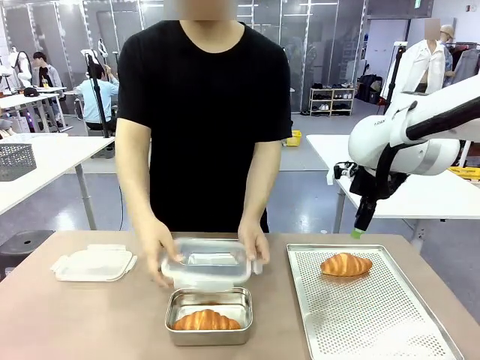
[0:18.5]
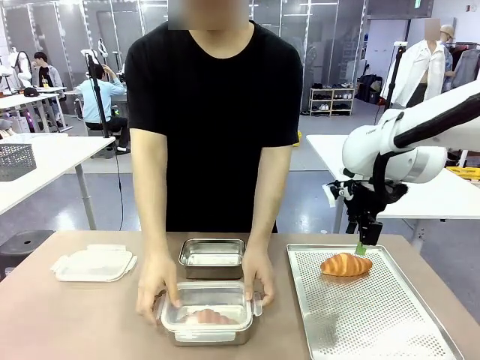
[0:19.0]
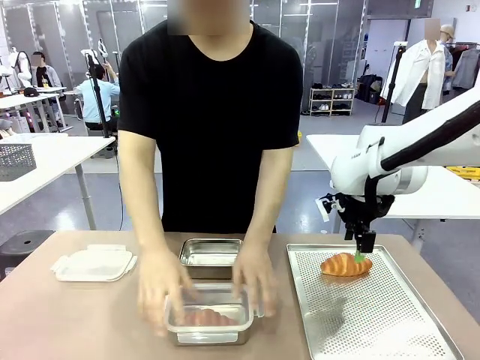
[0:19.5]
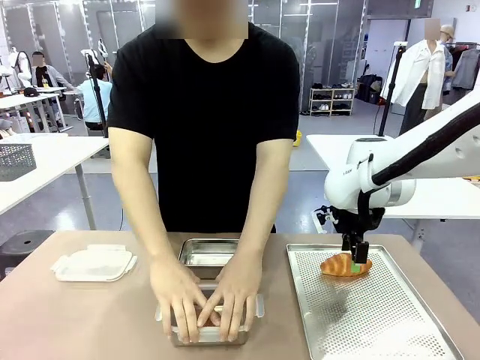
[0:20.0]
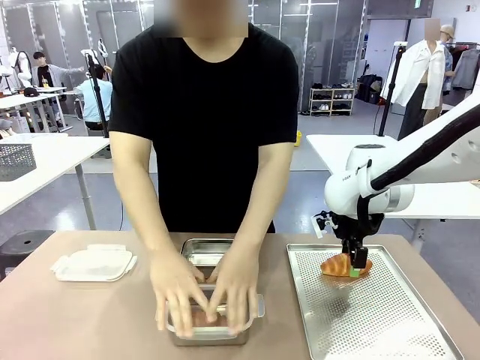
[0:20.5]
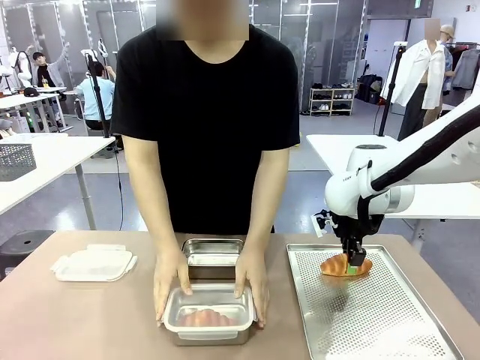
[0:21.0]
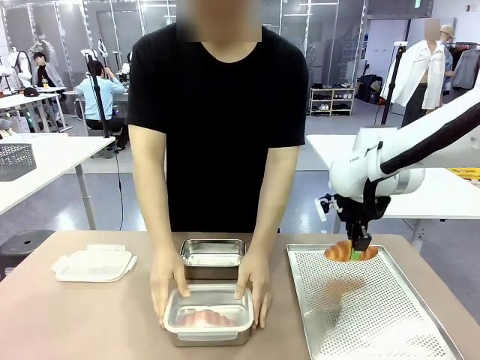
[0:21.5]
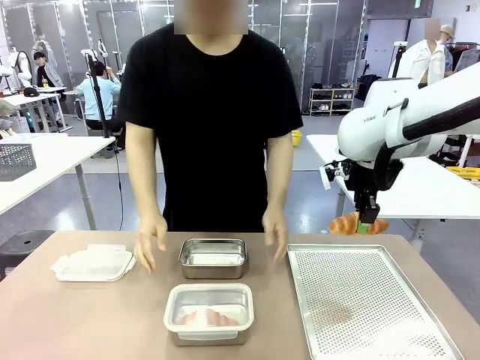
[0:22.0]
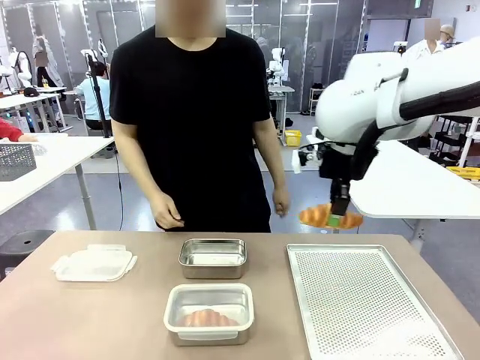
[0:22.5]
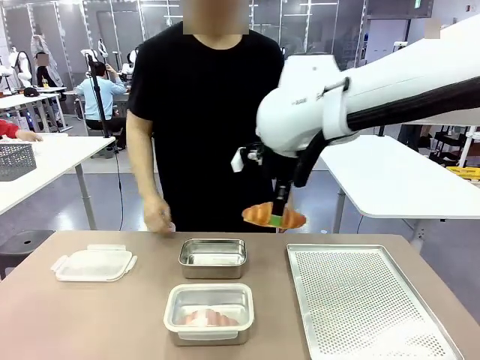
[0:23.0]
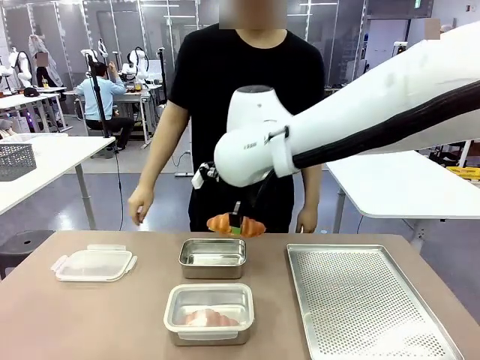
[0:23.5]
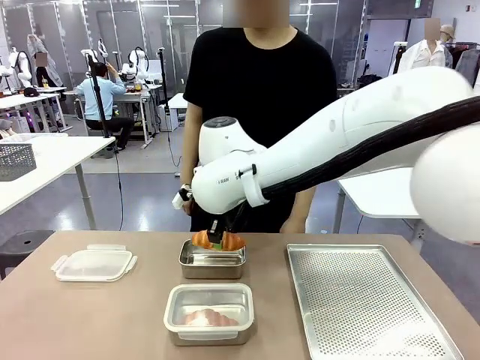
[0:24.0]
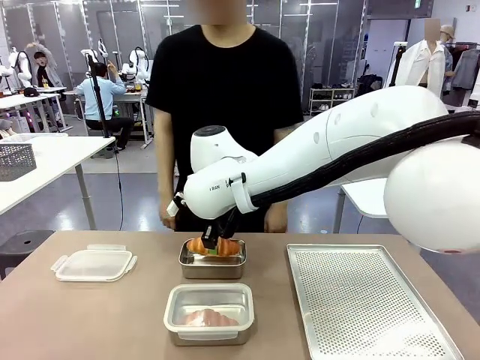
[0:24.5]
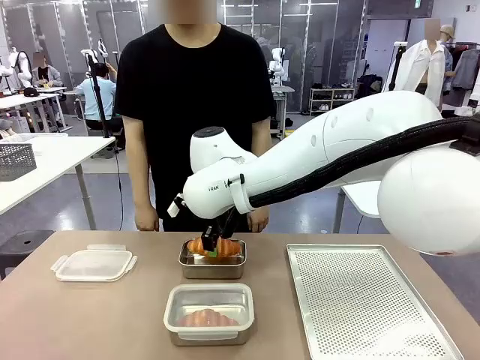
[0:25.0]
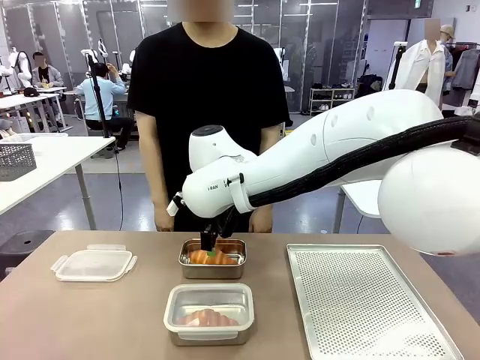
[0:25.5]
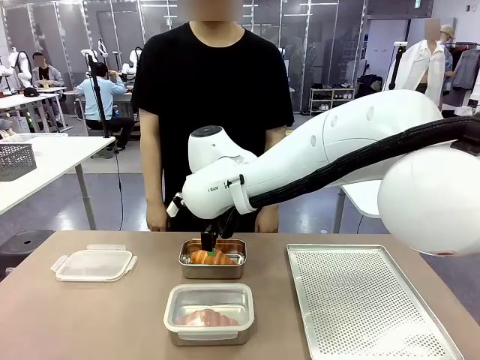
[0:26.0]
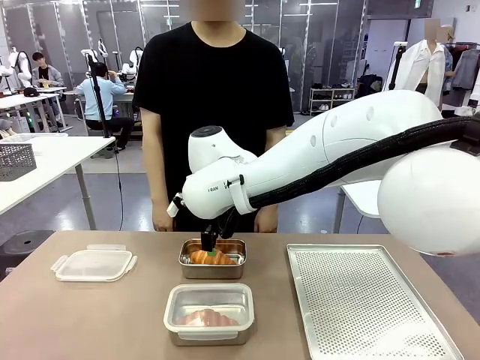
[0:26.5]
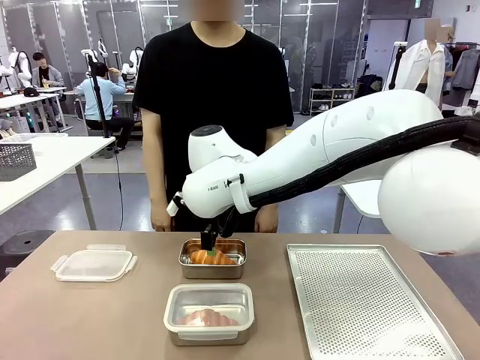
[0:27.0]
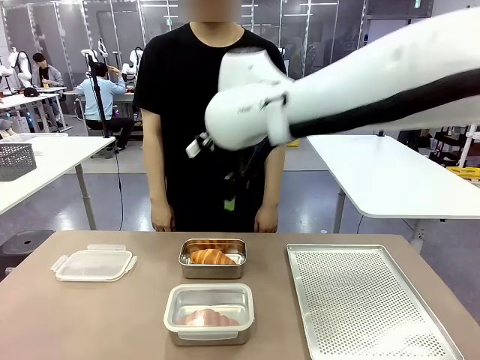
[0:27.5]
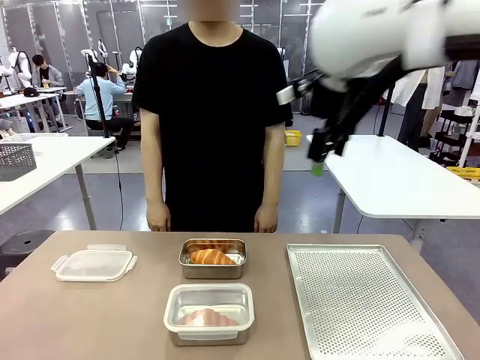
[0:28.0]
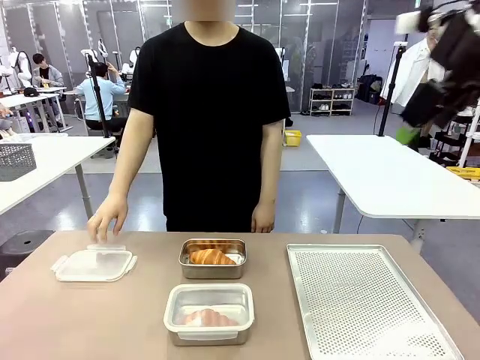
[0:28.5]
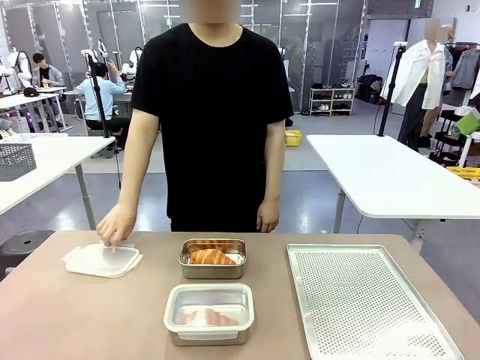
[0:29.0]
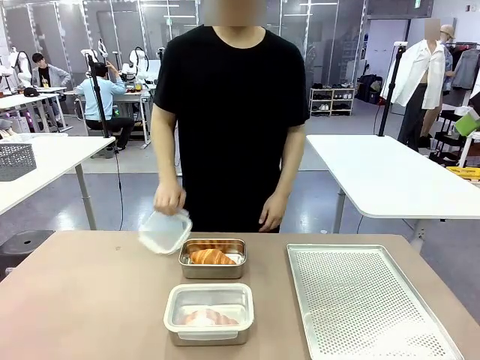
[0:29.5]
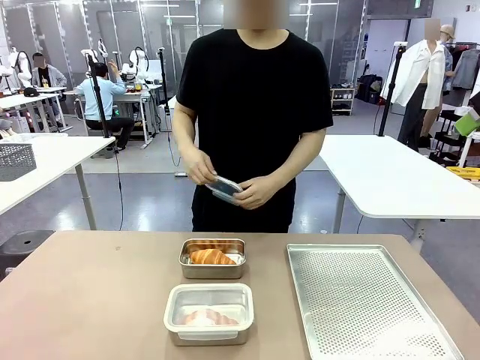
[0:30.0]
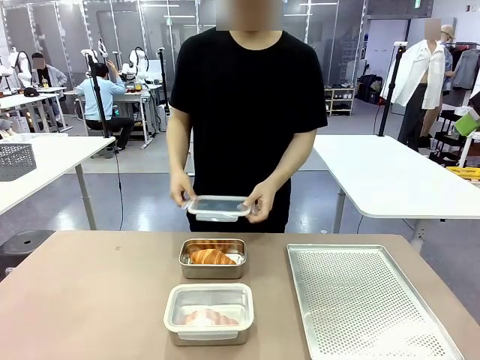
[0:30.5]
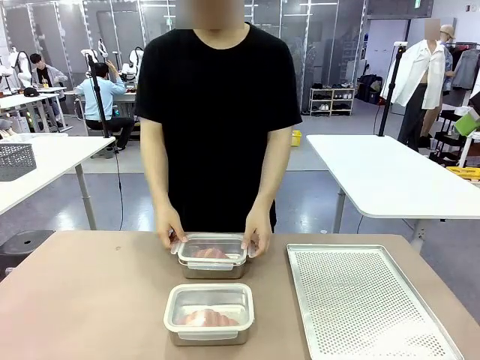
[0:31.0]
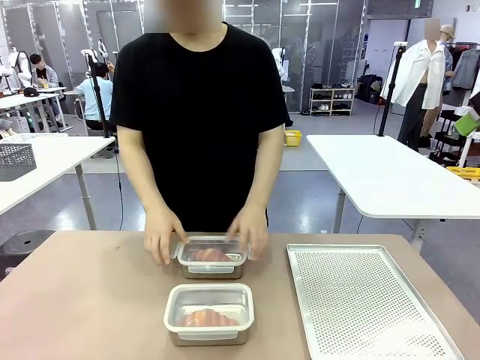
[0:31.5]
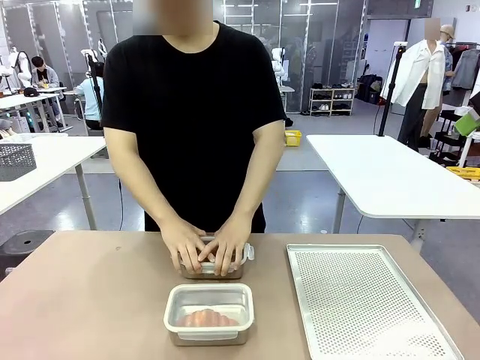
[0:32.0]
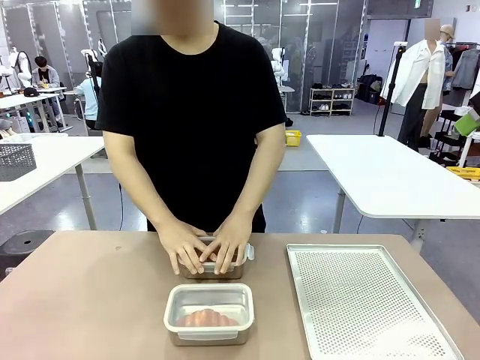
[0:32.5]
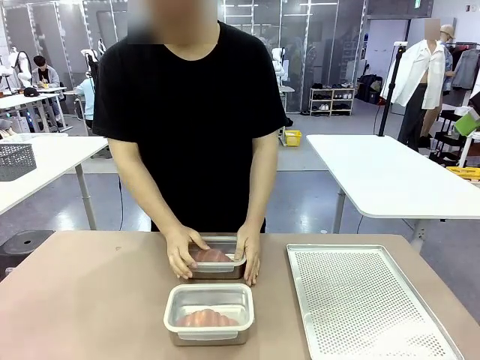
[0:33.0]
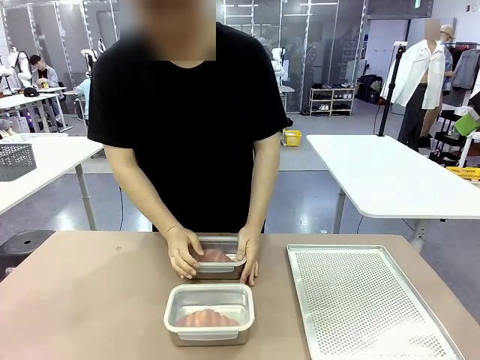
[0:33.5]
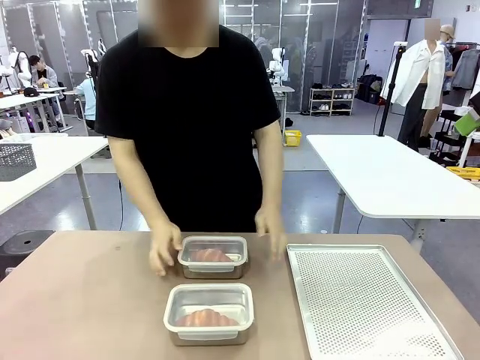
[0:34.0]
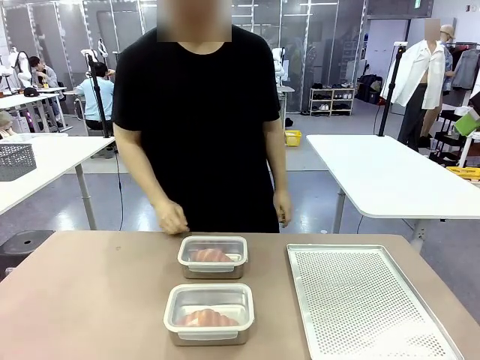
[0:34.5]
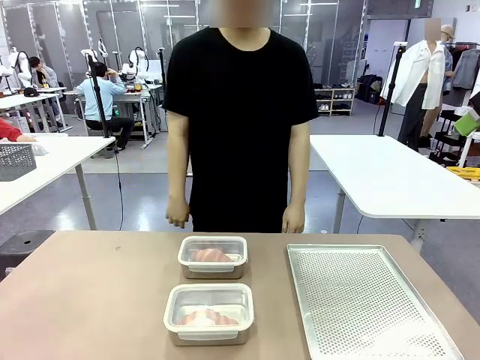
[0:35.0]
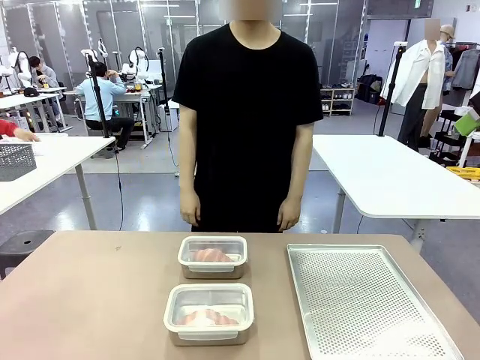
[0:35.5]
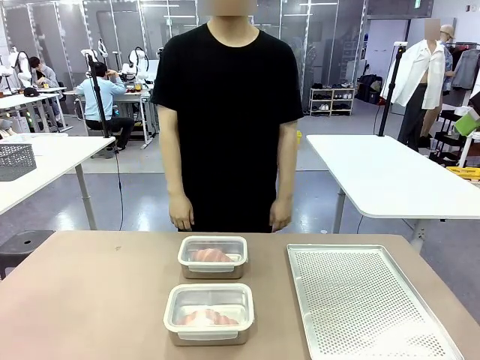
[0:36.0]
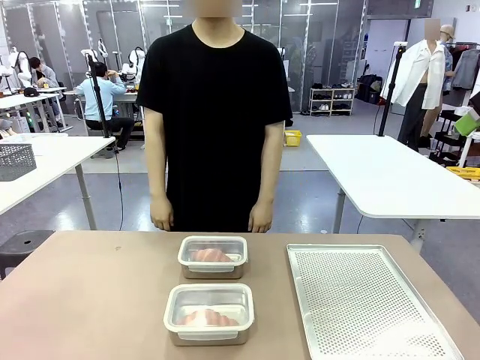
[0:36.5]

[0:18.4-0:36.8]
Task: Place the bread into the airtight container.
Robot: Pick up a Butter Roll and place it into an empty Airtight Container.

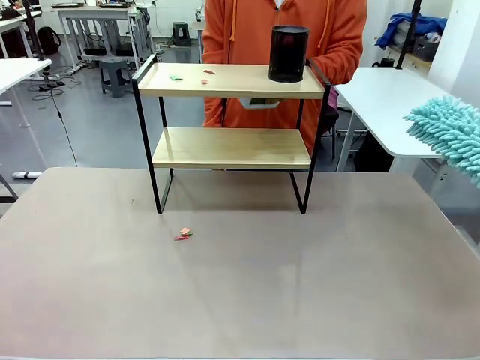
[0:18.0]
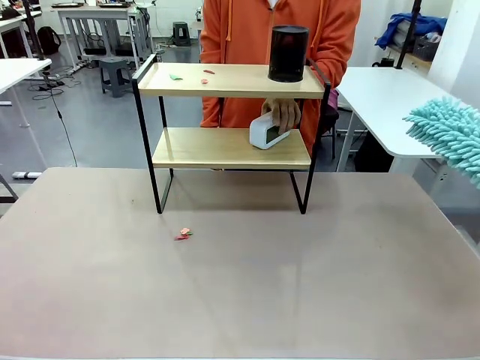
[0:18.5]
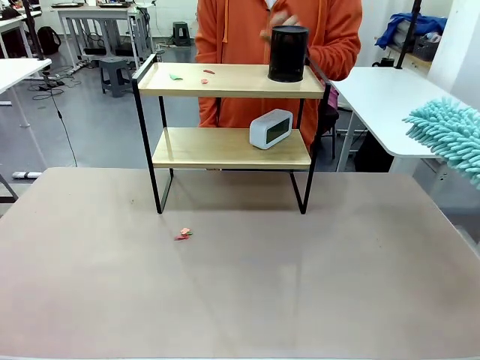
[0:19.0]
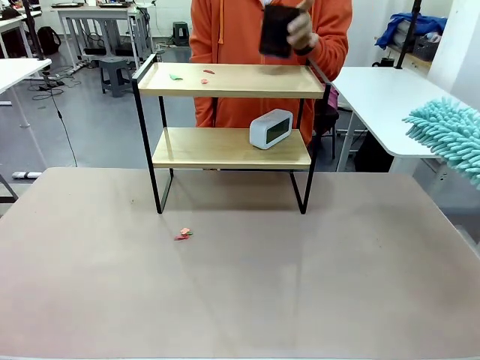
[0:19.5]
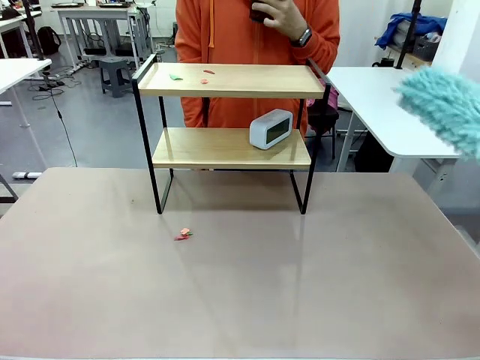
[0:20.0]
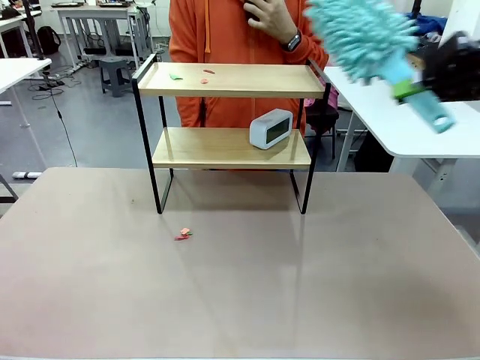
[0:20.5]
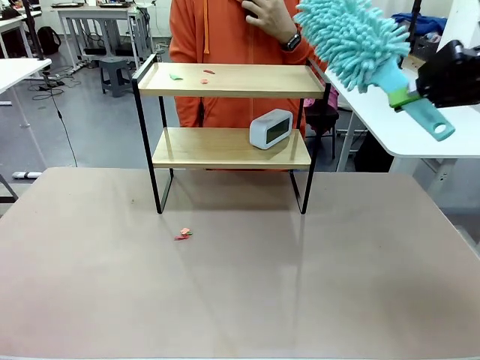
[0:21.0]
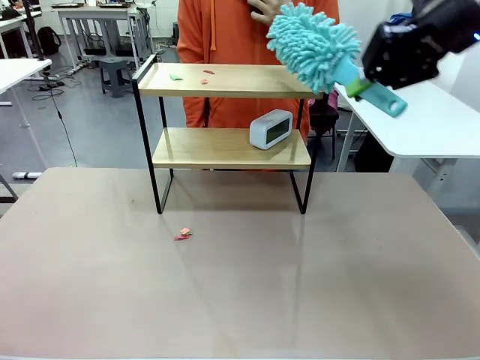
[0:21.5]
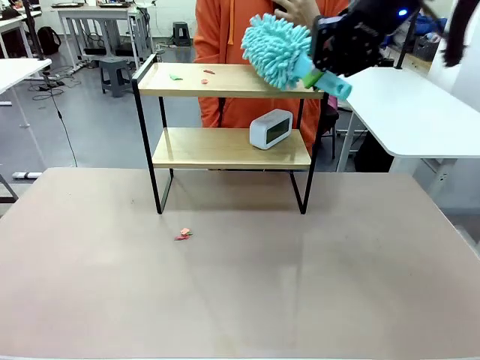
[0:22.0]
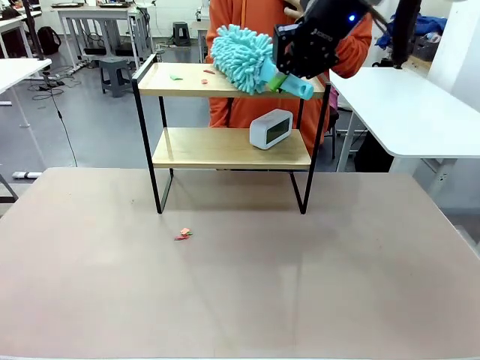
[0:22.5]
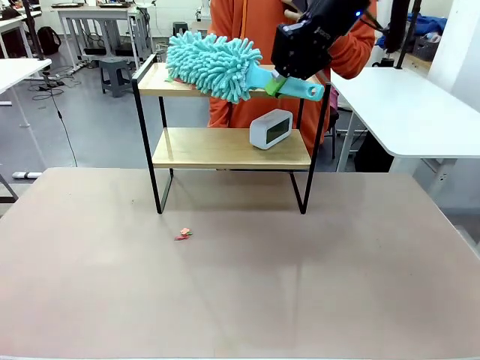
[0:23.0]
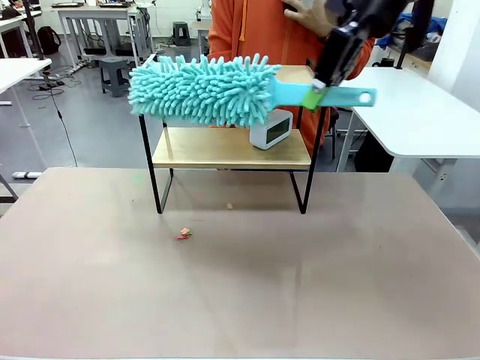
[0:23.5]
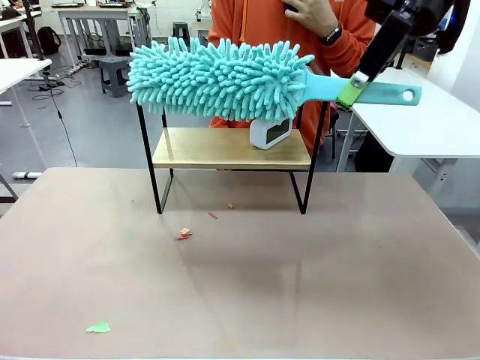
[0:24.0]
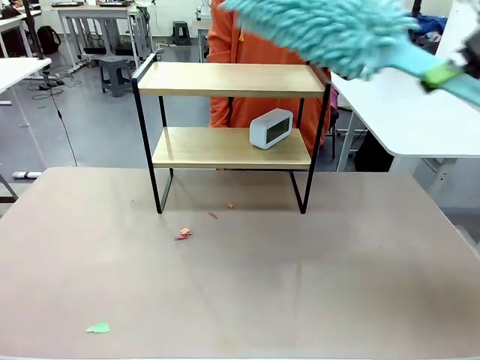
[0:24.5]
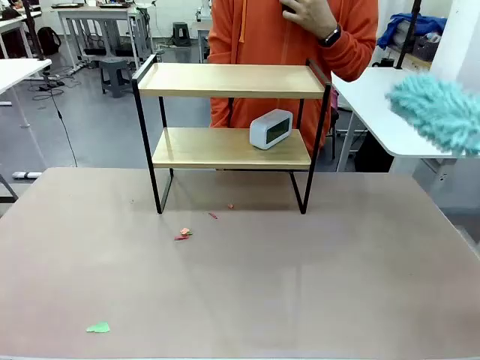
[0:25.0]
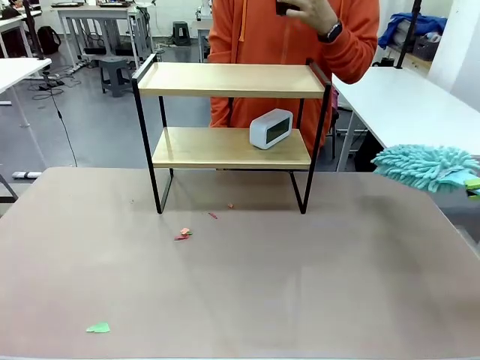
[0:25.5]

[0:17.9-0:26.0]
Task: Clean the shelf.
Robot: Clean the remaining tier of the Shelf with the Duster once objects are removed.
